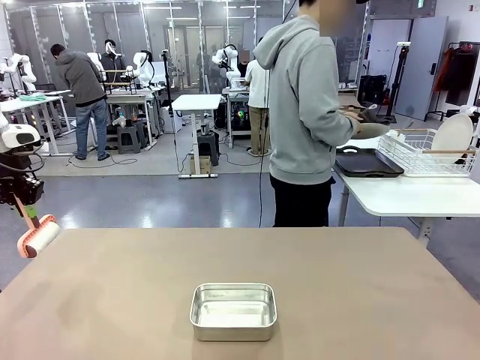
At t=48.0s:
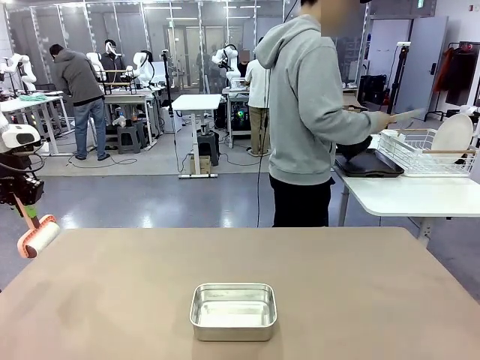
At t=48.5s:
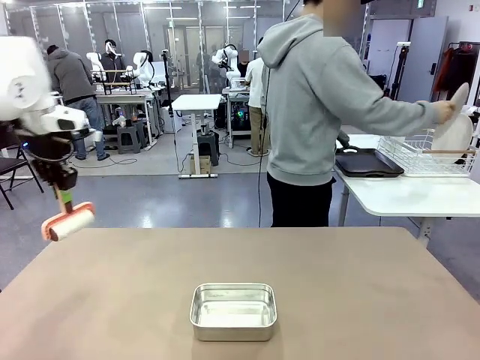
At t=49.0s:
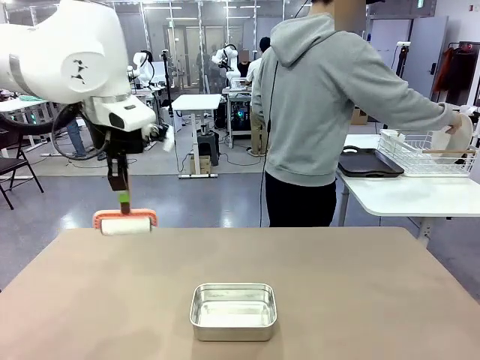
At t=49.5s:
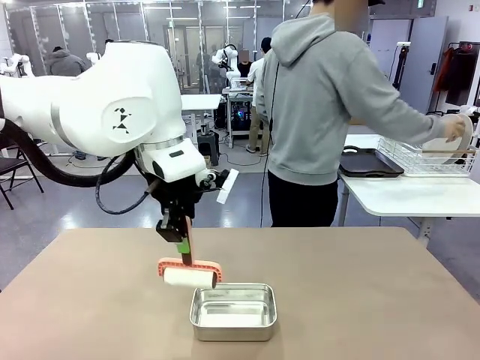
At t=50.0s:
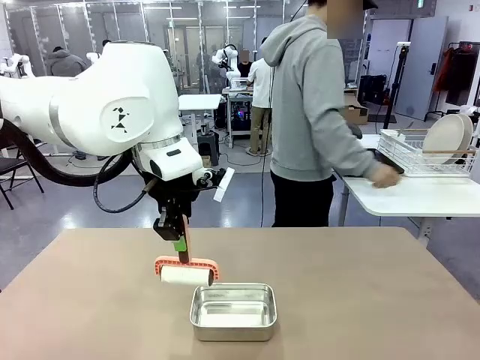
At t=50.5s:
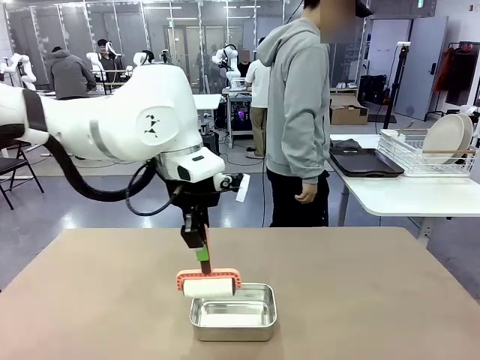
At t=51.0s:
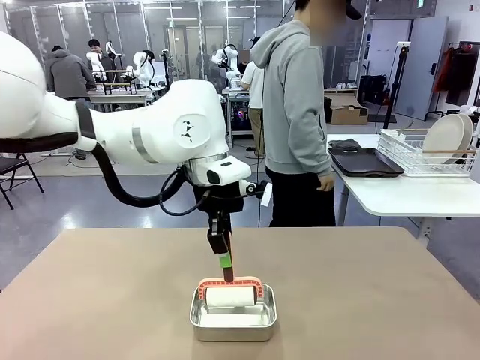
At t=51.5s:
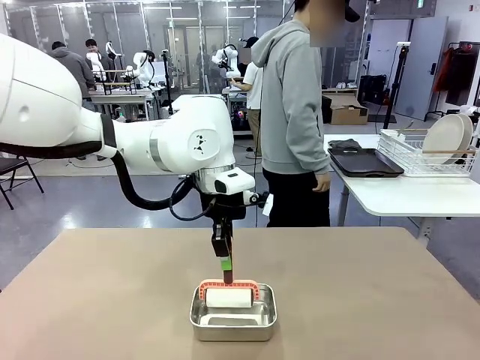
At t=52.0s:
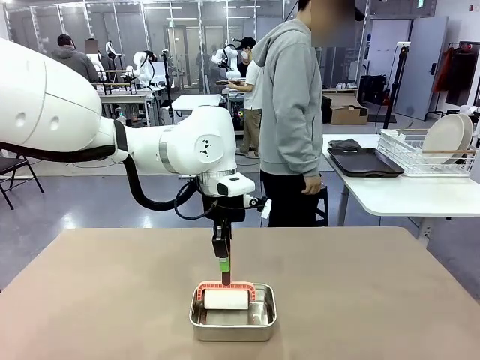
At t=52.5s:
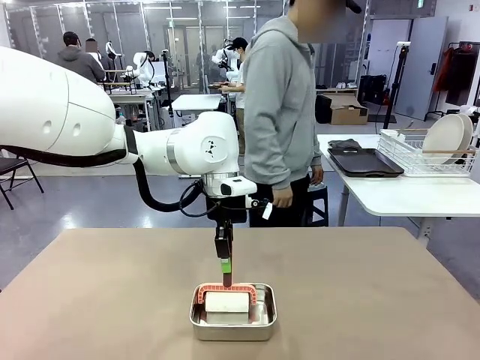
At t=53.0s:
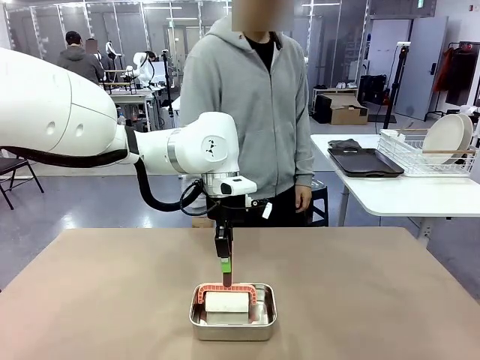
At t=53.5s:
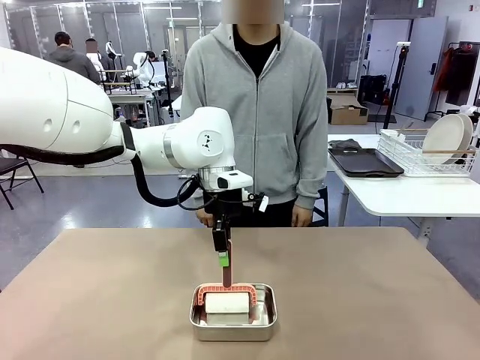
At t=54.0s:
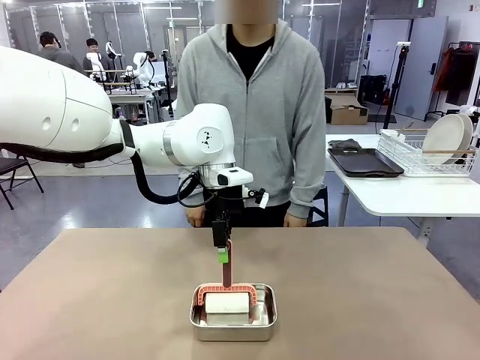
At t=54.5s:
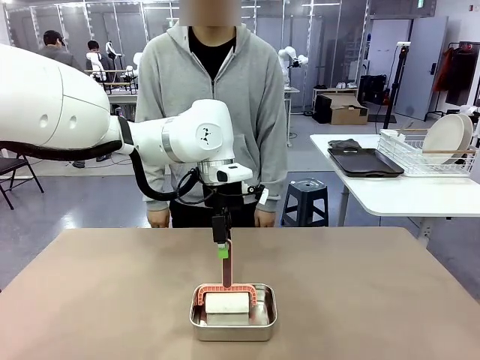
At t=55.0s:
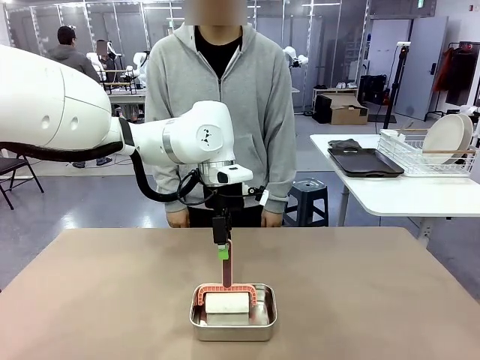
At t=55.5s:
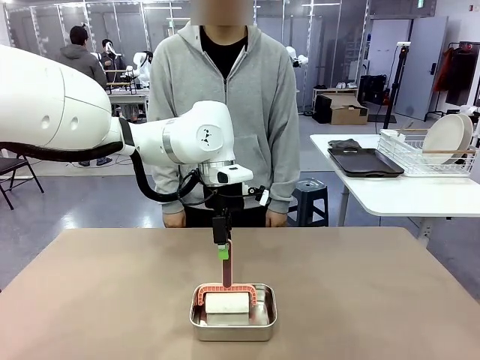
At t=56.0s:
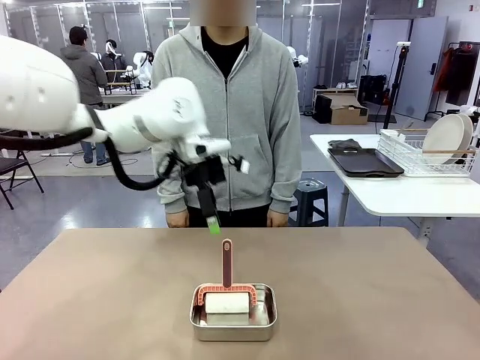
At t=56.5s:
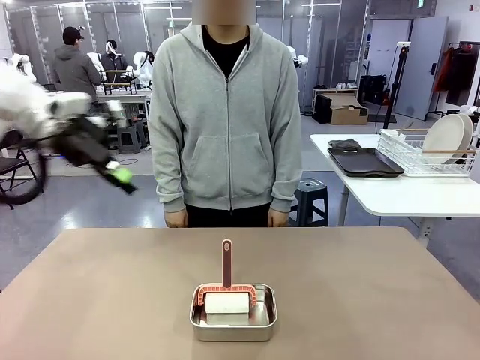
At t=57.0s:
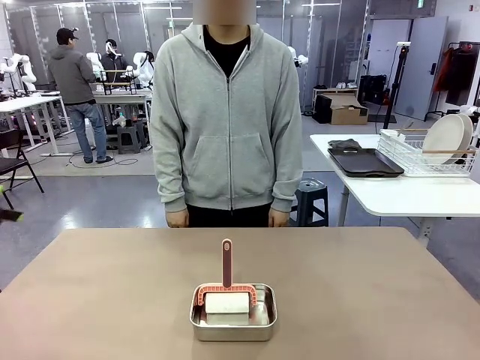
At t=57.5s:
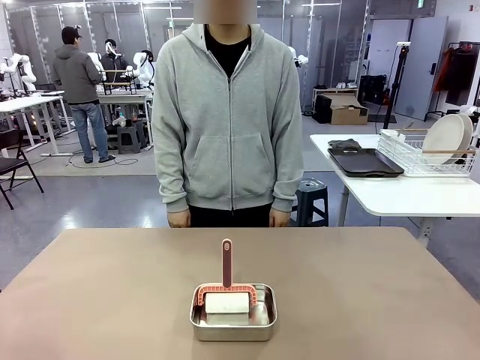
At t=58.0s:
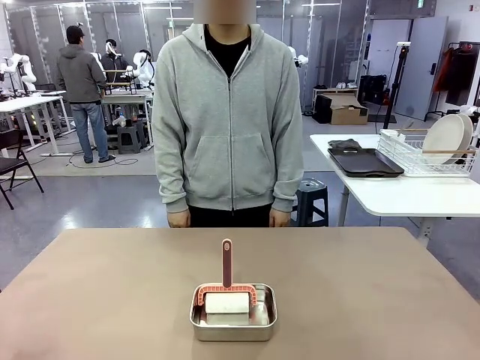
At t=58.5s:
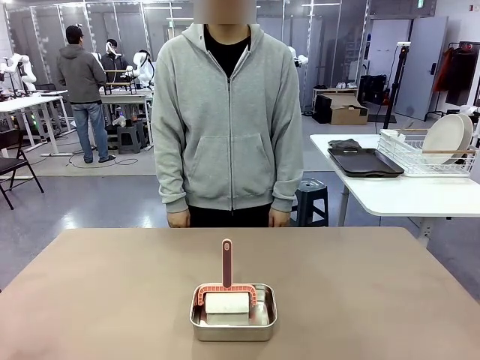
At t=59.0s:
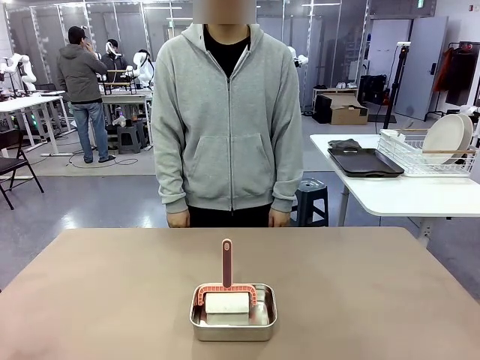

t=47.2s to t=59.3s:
Robot: Place the Lint Roller back on top of the Airtight Container.
Person: Use the Towel with hook to wipe the Plastic Matte Plate , Fork , and Knife and place into the Dish drying rack.

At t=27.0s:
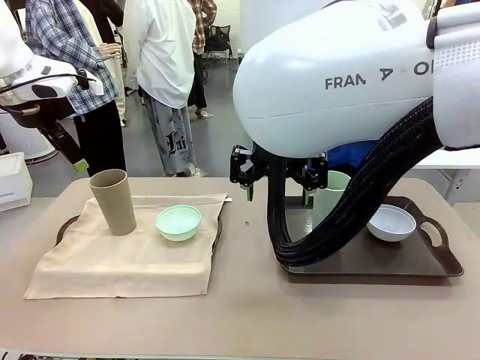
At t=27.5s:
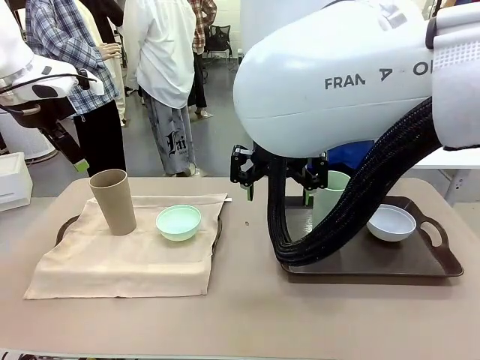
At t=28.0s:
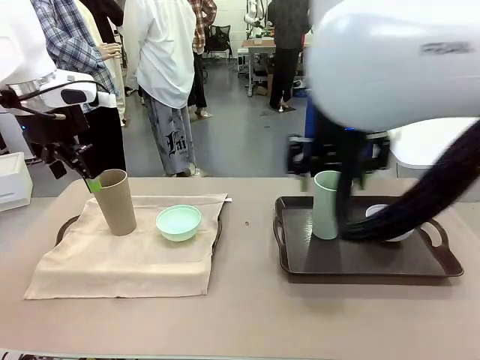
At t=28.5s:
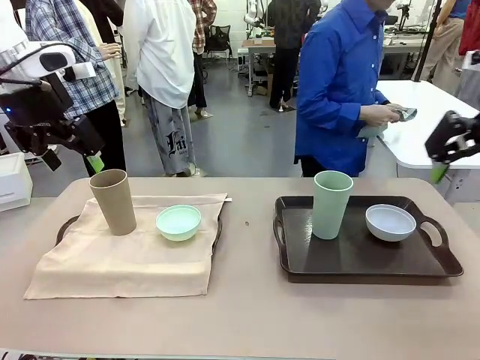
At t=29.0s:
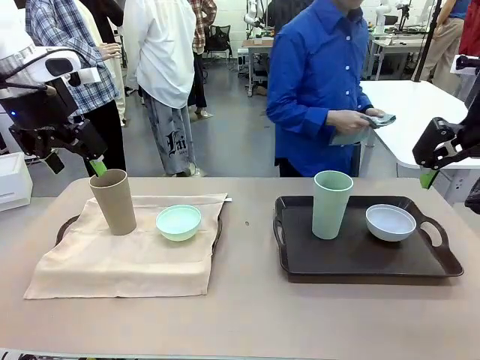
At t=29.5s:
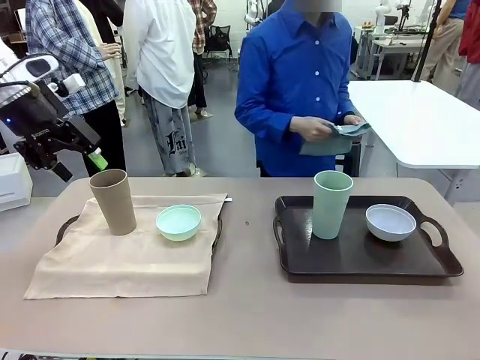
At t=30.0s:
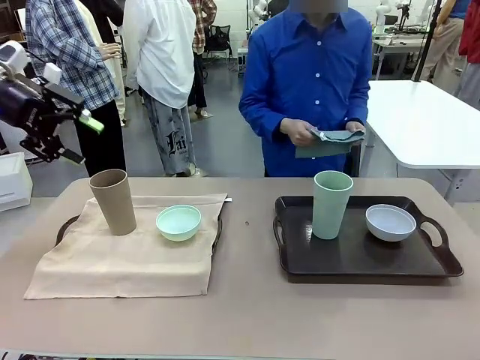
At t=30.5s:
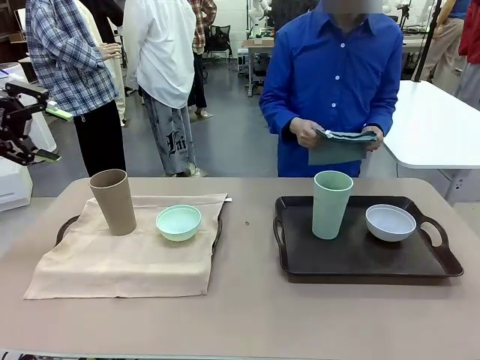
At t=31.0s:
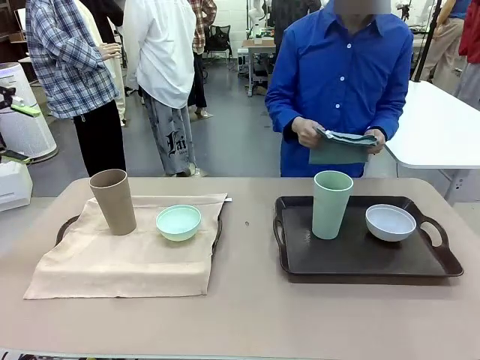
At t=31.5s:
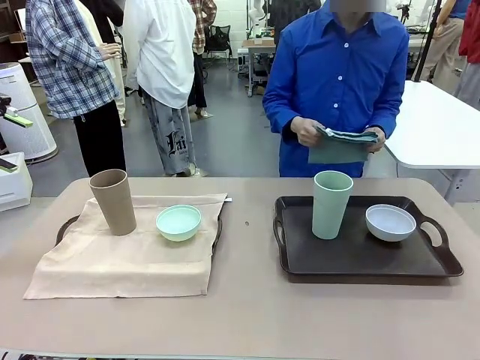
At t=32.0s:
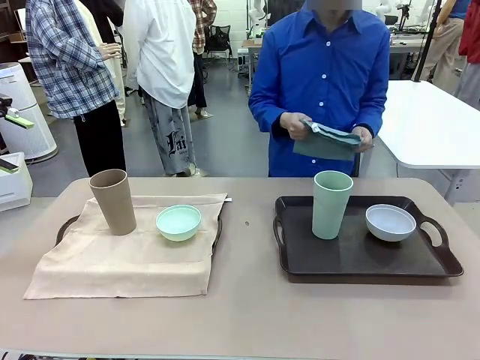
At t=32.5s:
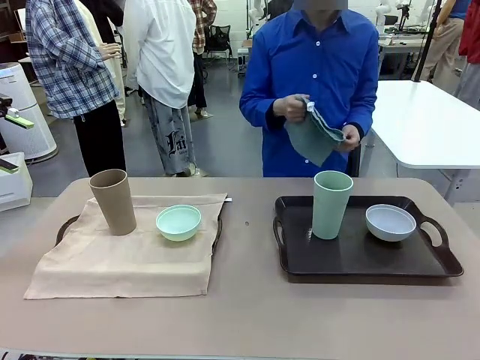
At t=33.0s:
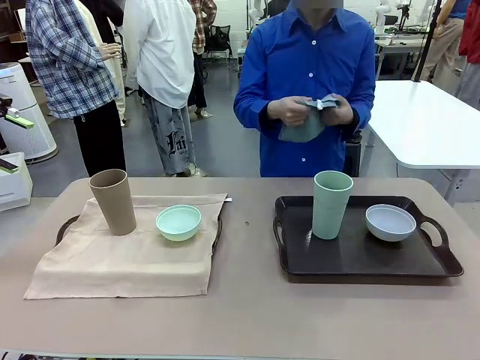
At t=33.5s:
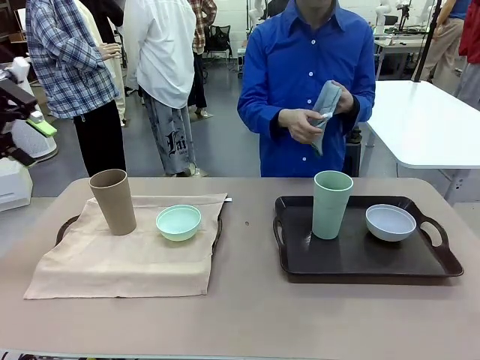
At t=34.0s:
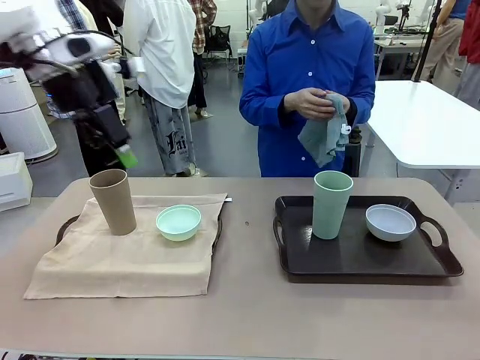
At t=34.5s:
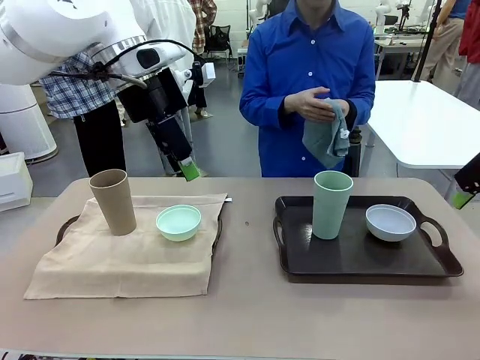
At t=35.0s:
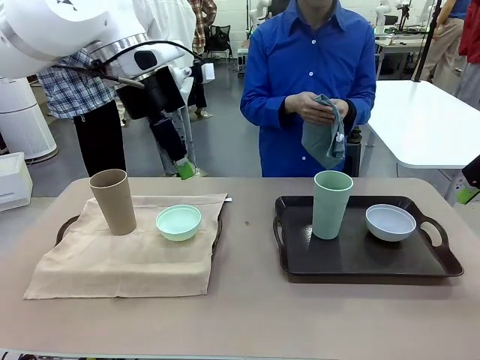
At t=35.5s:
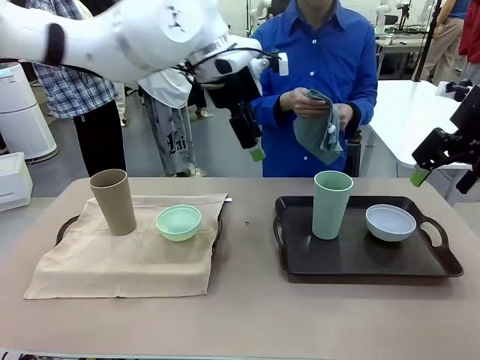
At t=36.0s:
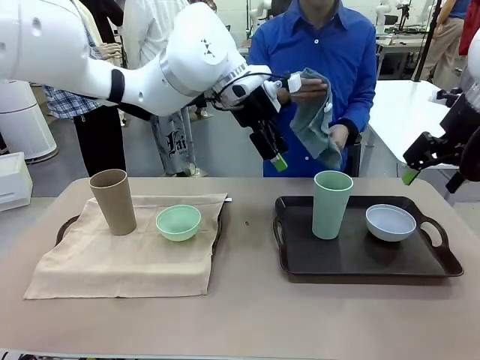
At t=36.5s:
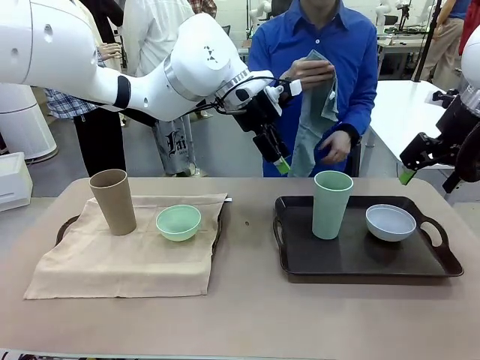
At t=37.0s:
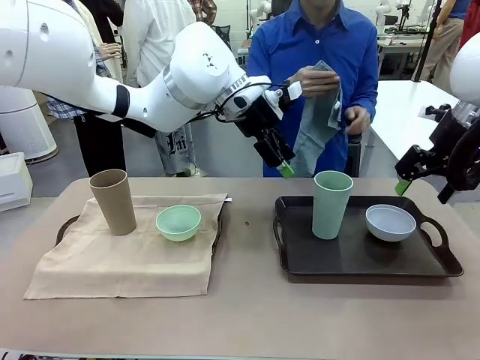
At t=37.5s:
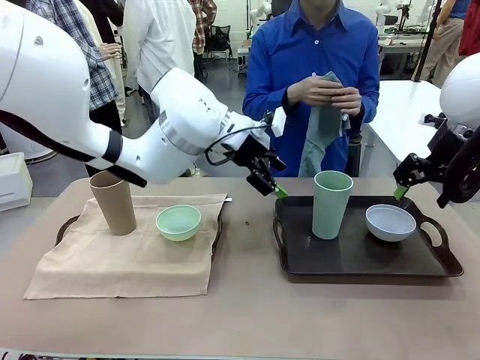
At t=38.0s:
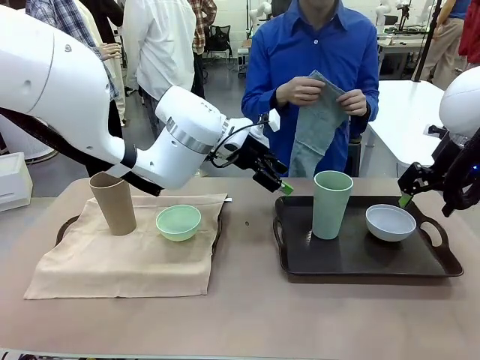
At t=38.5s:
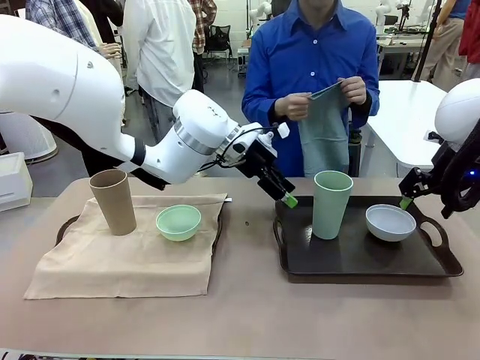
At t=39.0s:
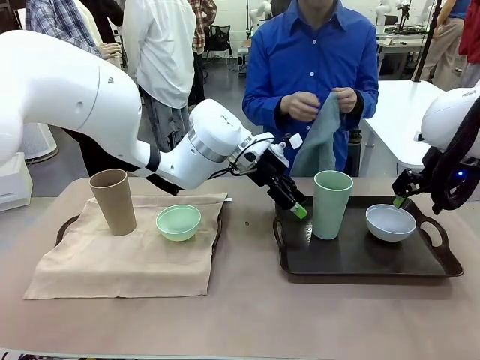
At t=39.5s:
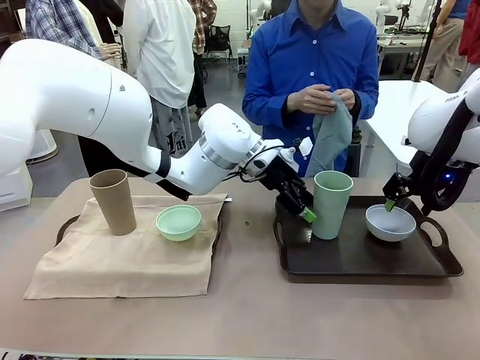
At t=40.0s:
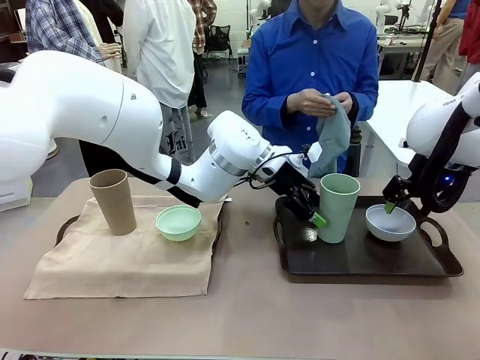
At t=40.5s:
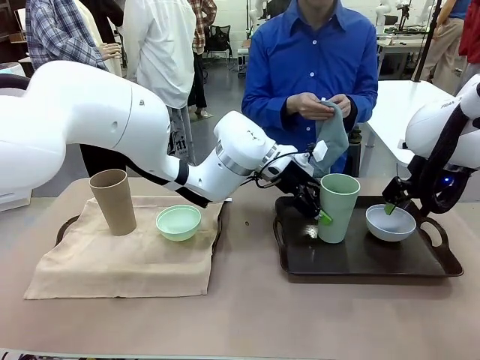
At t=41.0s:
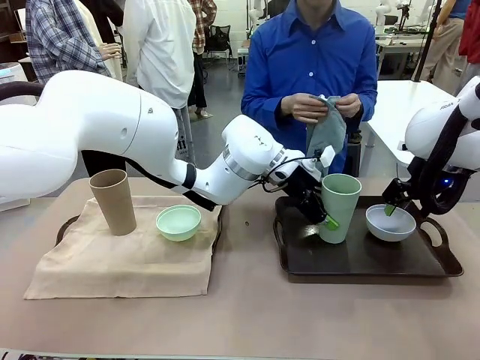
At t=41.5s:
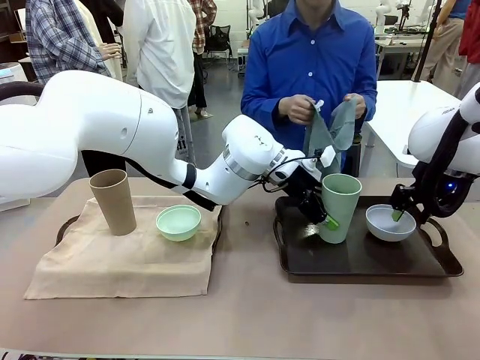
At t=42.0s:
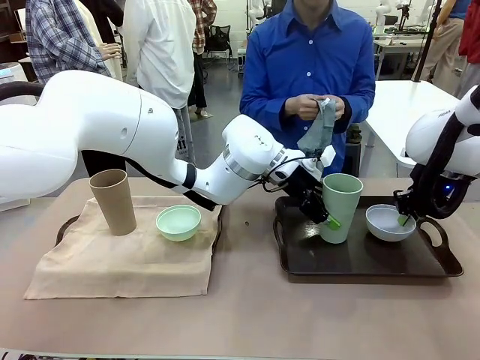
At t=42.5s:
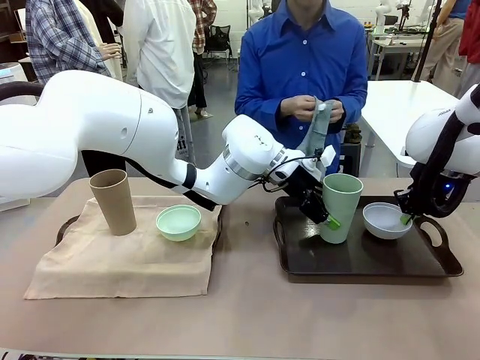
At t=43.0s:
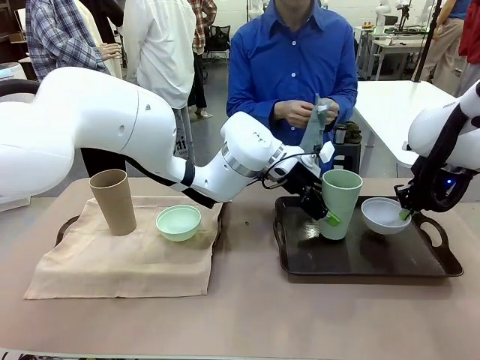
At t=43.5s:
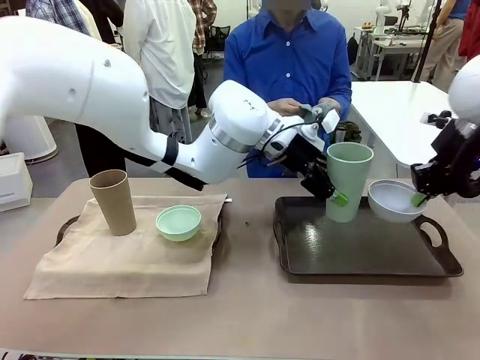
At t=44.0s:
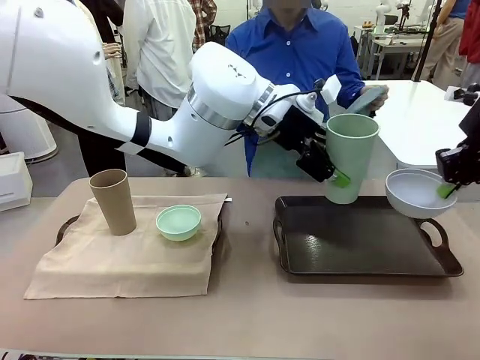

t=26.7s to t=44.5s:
Robot: Pick up the Picnic Bowl and Reusable plastic cup from the Handle tray in front of the human's position and hold them in the air.
Person: When the robot lifts the bowl and the cup, the human unfolds the napkin and lays the napkin flat on the tray.
